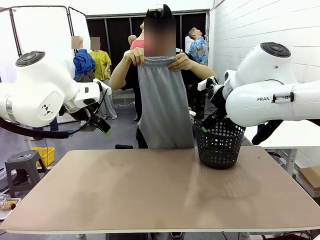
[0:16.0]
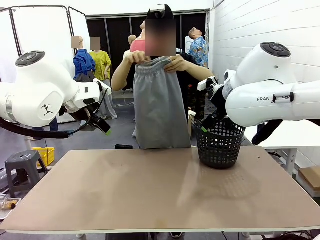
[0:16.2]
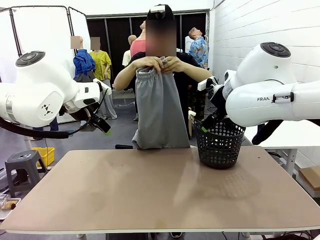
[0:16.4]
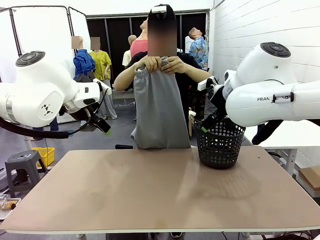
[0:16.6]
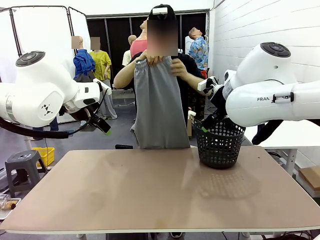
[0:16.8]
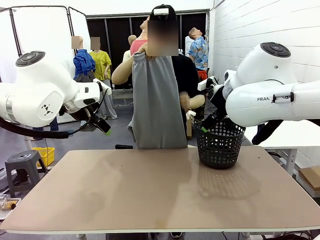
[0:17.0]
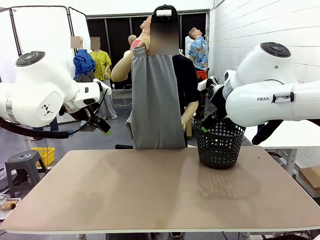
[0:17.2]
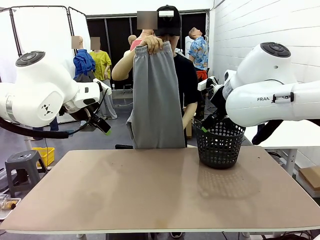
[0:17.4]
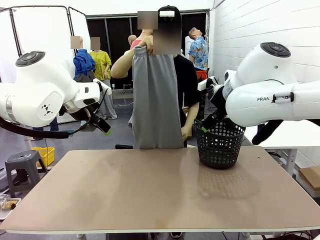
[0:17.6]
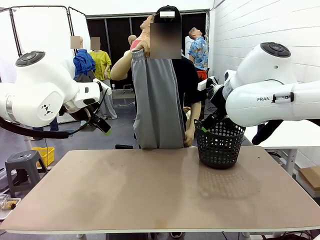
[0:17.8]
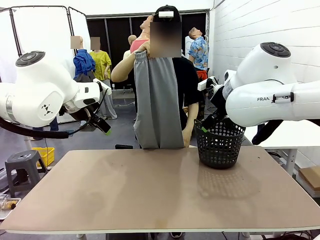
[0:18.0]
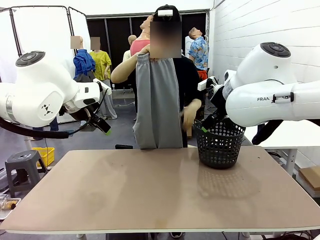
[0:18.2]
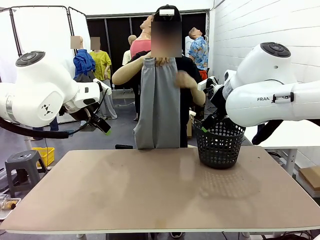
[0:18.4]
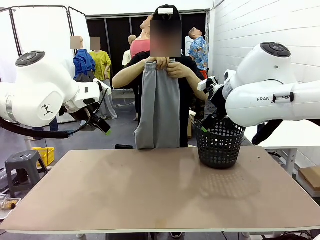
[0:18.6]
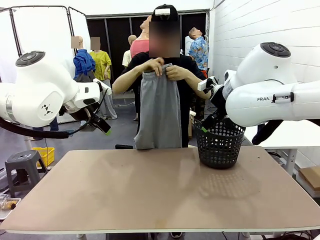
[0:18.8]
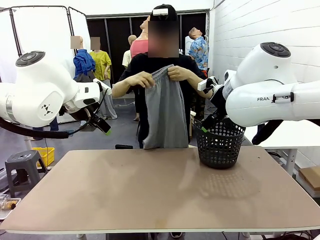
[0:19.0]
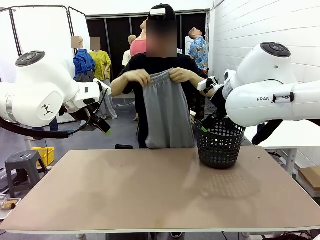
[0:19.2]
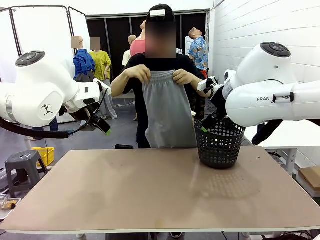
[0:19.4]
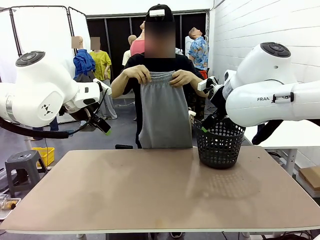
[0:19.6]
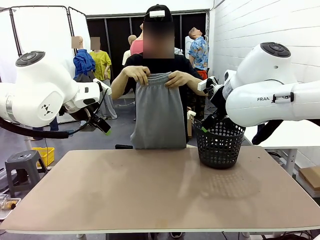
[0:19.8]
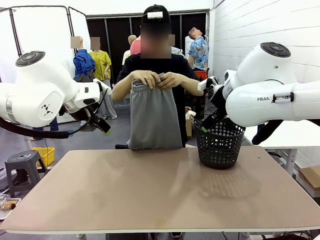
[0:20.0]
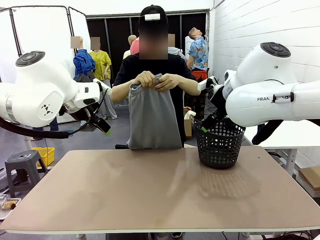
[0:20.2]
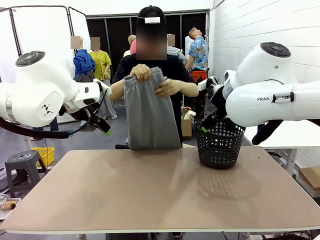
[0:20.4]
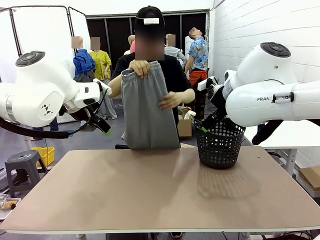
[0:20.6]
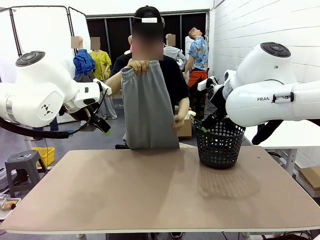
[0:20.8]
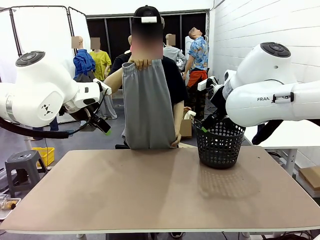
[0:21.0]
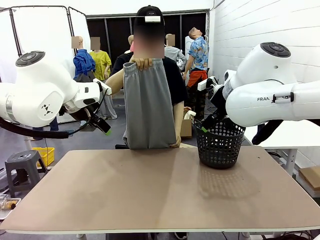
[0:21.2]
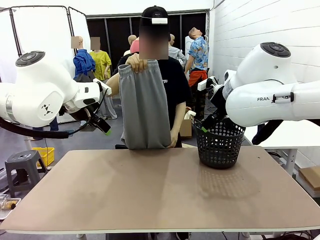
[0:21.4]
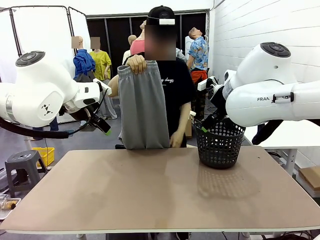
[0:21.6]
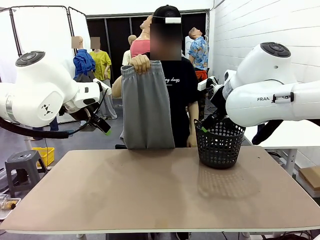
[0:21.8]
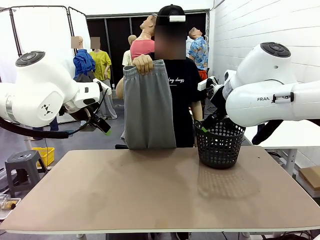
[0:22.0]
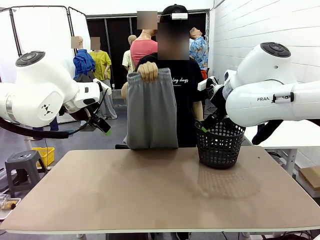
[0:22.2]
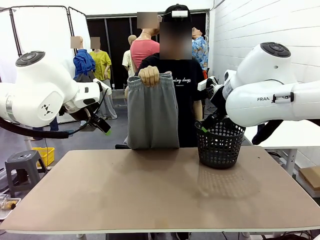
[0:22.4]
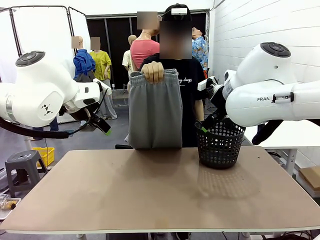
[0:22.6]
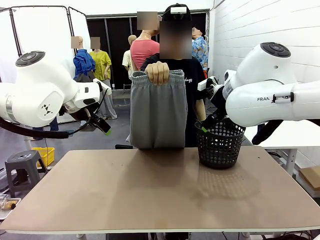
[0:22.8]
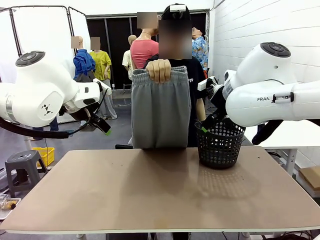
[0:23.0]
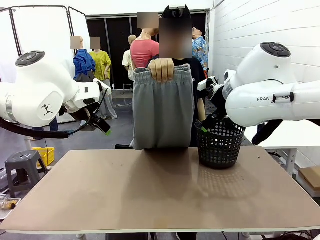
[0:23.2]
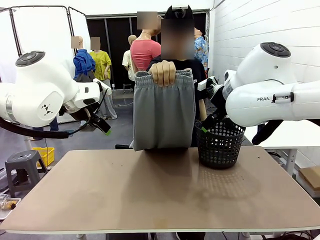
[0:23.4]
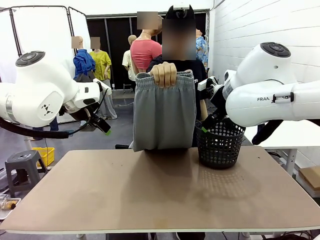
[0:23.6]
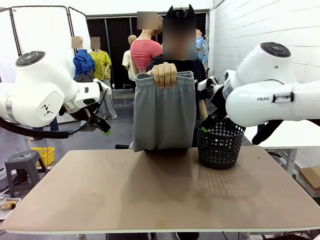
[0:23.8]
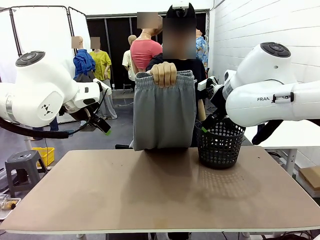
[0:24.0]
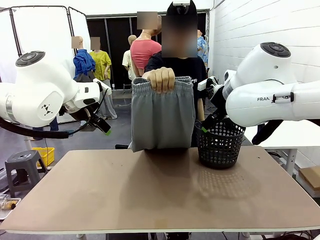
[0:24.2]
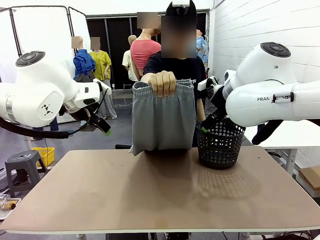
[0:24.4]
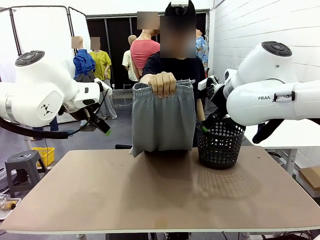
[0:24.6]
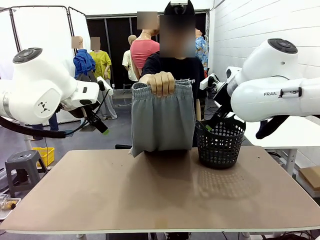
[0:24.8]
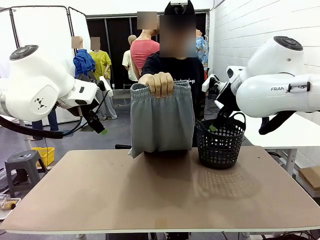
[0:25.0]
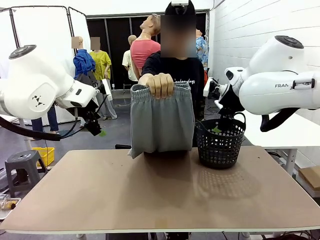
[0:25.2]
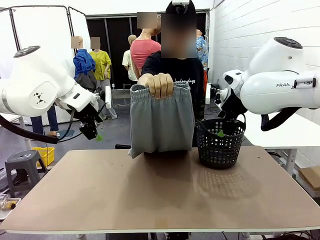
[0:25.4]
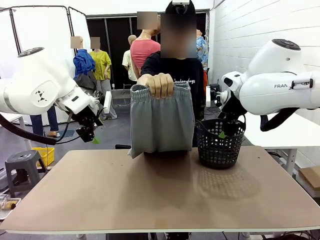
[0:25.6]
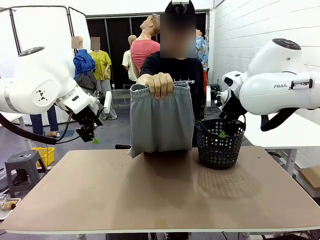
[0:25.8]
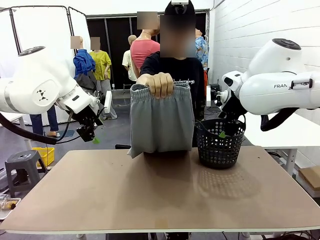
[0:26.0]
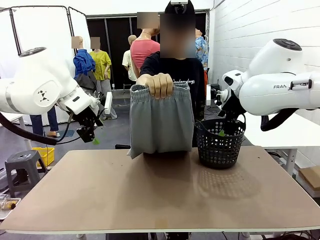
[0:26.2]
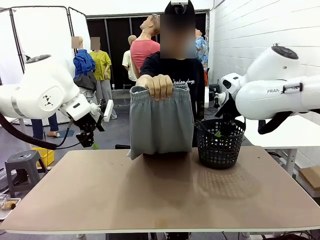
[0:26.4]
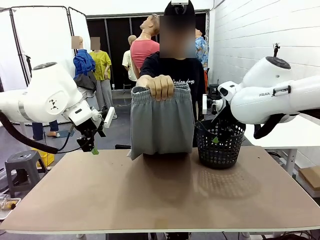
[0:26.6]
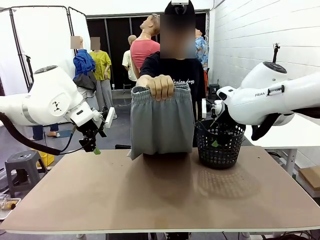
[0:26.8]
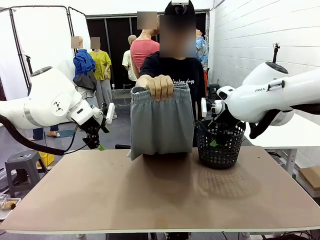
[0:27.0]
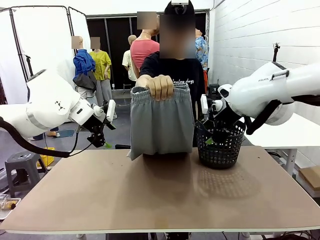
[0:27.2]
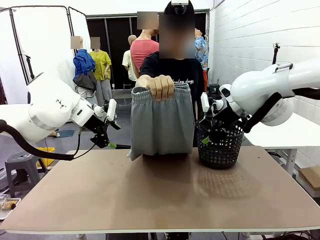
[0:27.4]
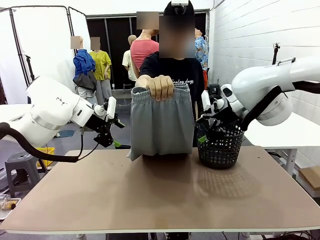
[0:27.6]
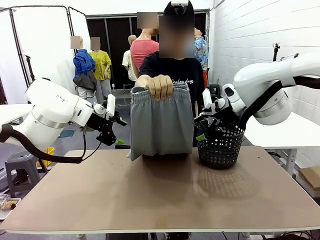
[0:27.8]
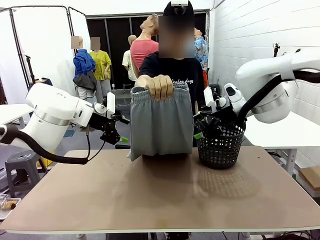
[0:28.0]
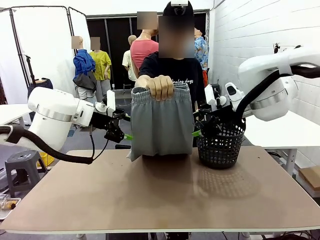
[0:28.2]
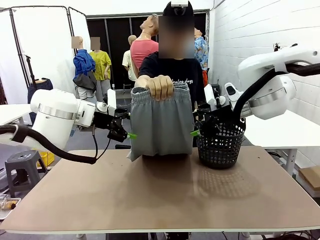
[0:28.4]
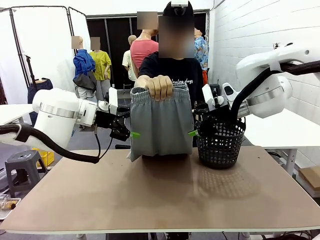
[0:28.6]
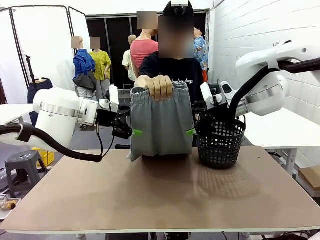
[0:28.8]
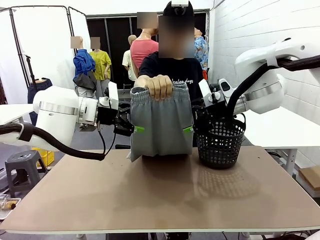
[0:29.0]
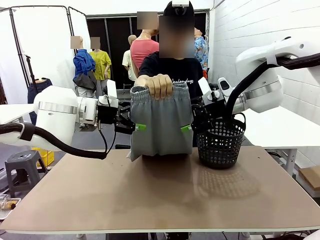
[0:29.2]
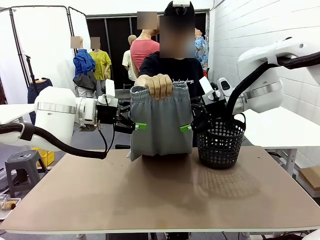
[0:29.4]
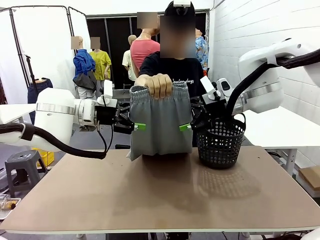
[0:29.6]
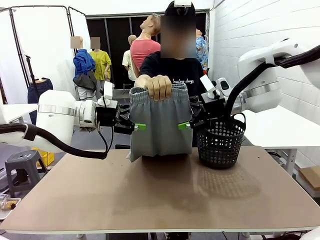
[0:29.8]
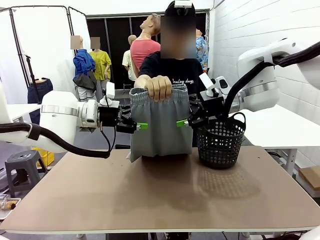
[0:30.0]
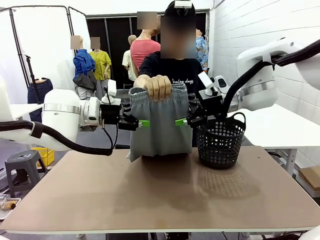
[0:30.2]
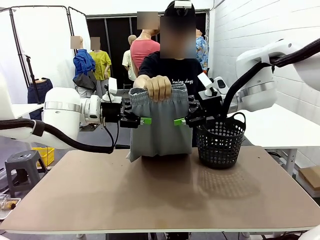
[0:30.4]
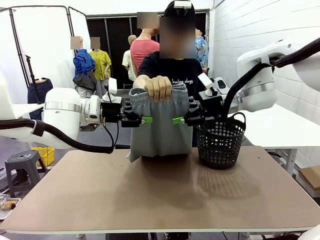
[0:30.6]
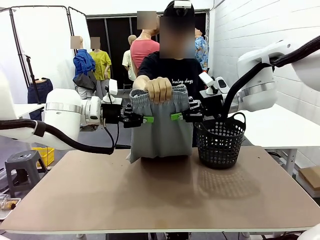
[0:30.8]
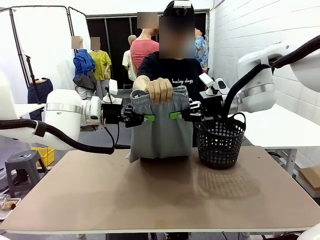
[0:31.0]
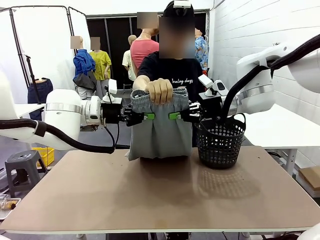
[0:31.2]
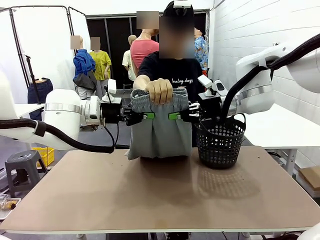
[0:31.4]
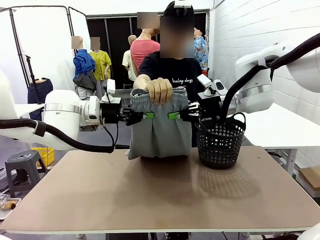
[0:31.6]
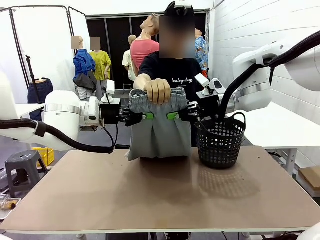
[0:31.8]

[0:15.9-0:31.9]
Task: Fold the training pants.
Robot: Grab both ends of the Training pants handed by a person.
